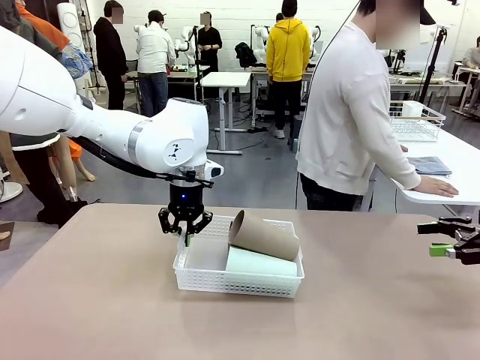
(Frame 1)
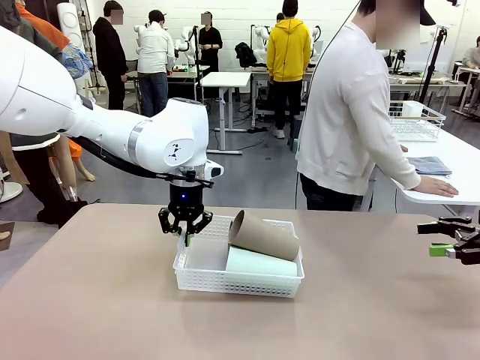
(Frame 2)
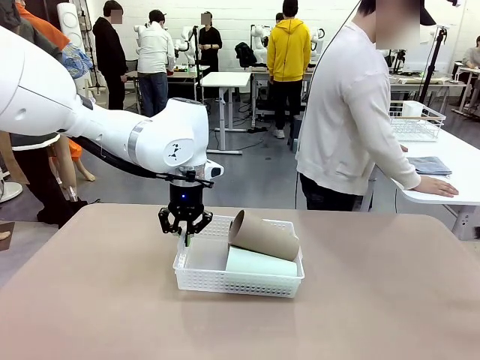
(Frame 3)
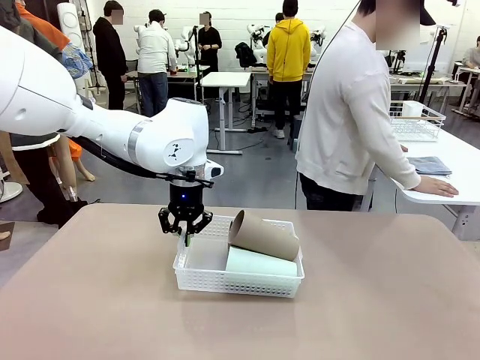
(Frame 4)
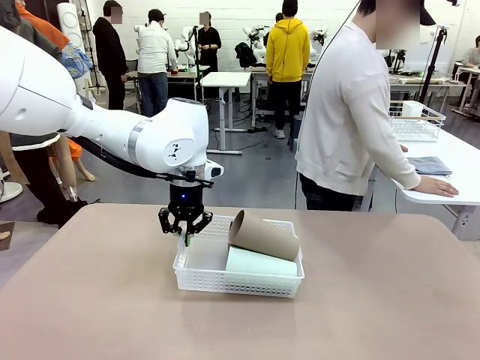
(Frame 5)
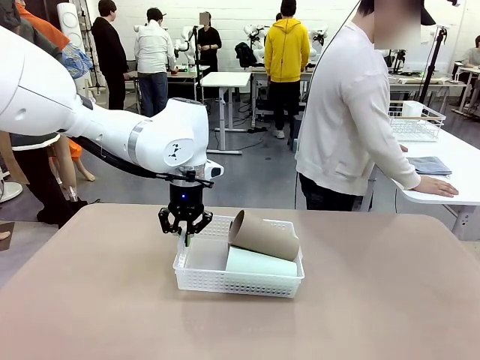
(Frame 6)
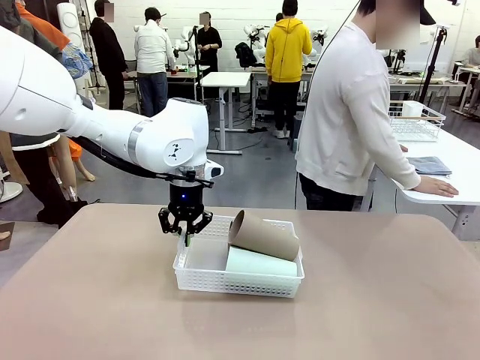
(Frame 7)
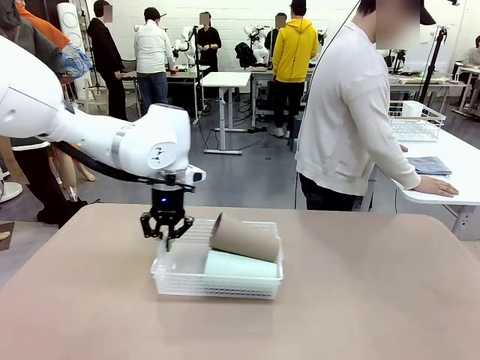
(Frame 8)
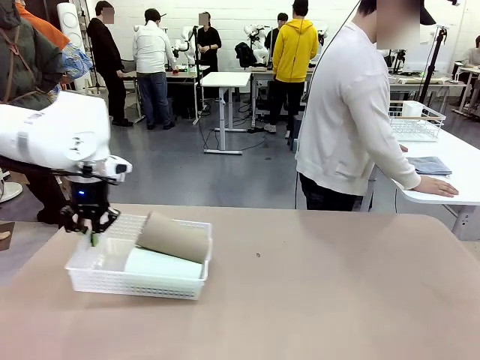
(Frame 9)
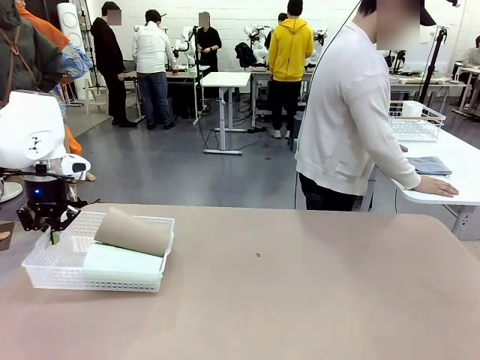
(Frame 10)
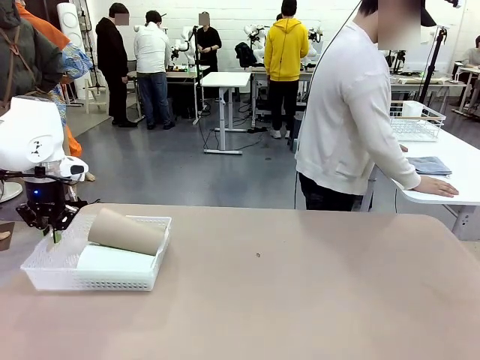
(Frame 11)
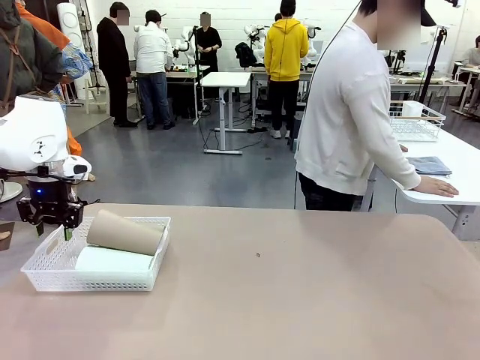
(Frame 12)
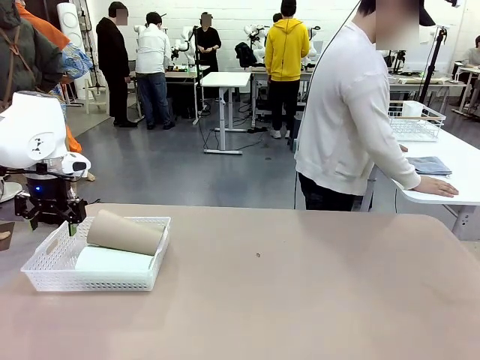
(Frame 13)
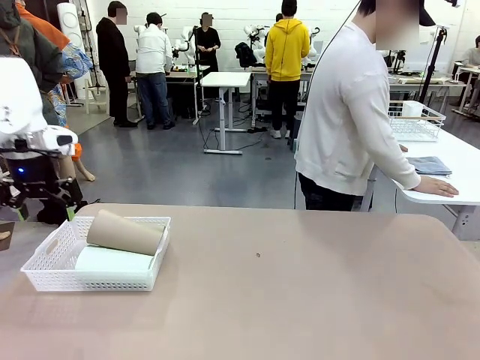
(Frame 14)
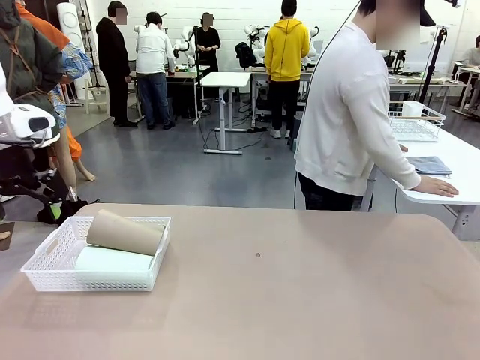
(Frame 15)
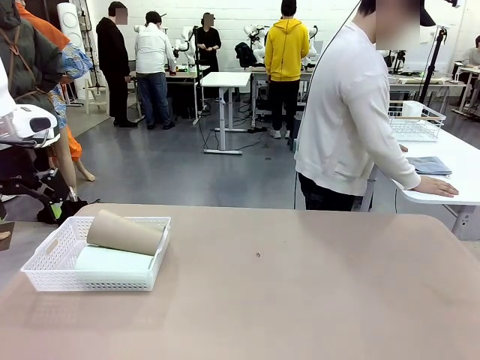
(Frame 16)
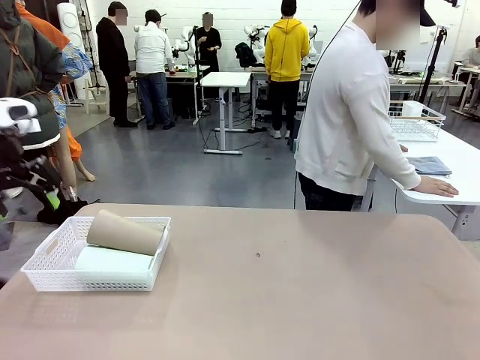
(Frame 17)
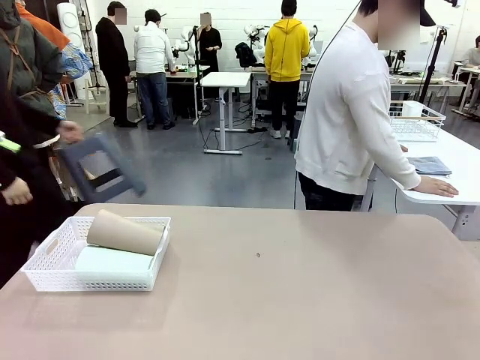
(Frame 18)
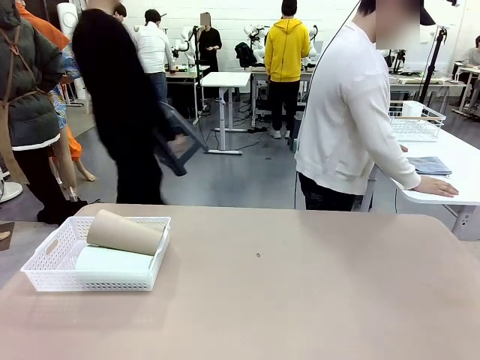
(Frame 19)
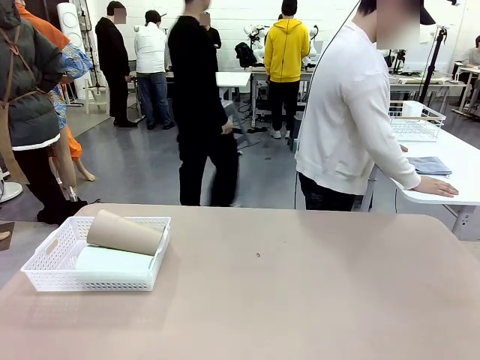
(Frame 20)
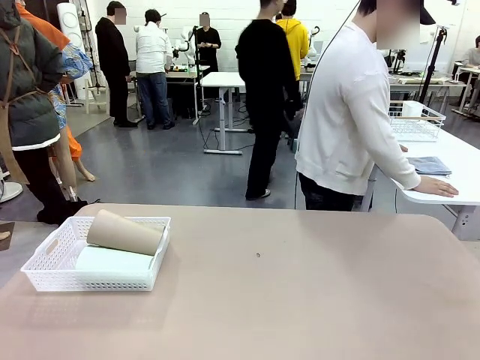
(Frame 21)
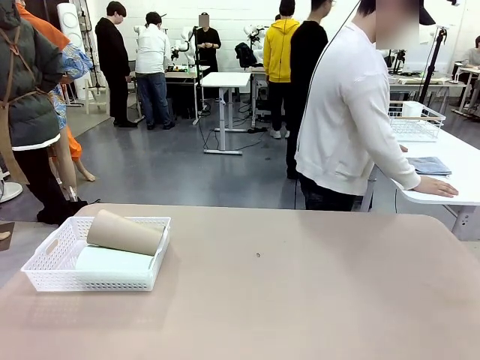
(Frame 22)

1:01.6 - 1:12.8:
Task: Clean and organize the cups into the basket.
Robot: Move the Organizing basket back to the left side of the table.
Person: Folds the towel in half twice and places it in the right of the table.

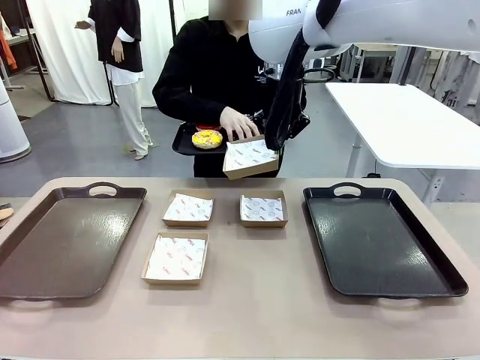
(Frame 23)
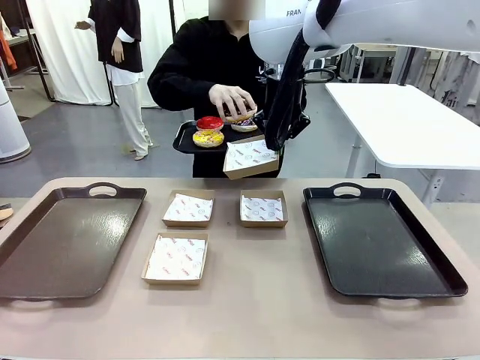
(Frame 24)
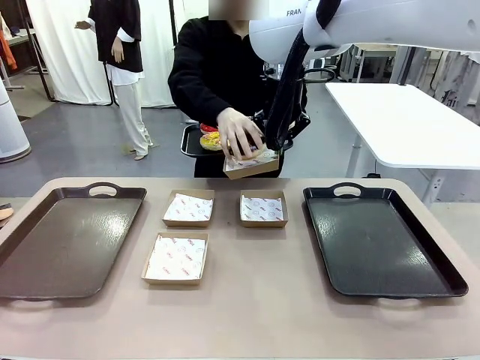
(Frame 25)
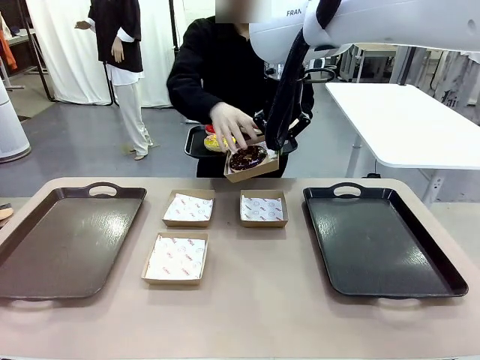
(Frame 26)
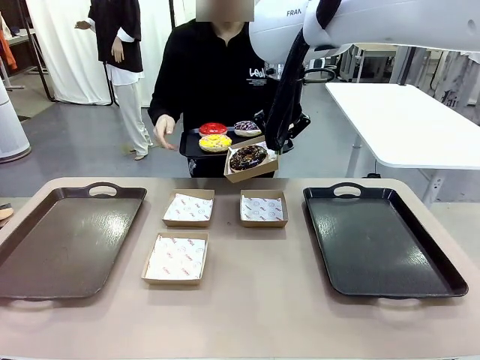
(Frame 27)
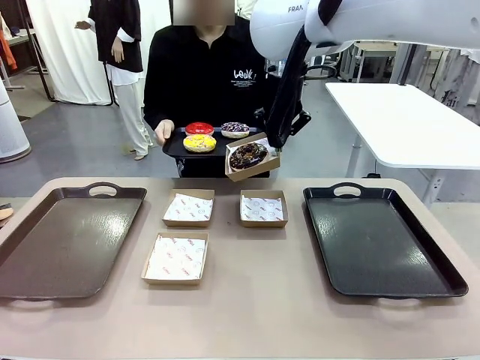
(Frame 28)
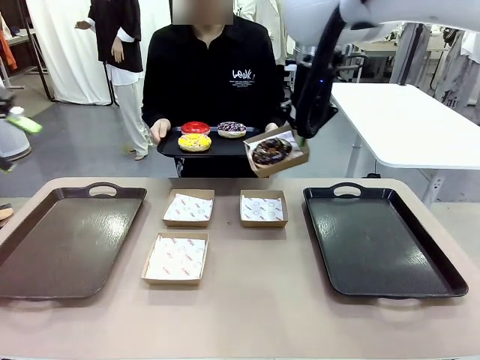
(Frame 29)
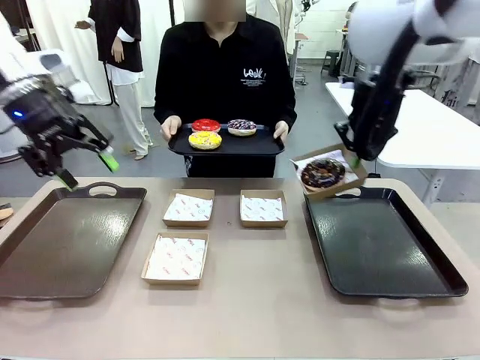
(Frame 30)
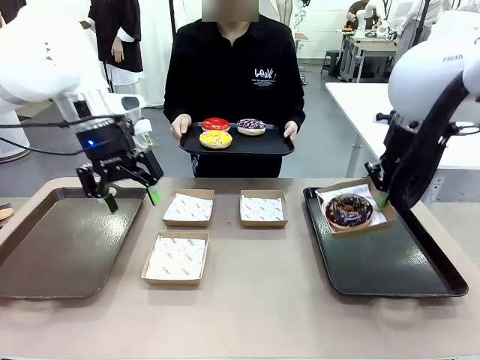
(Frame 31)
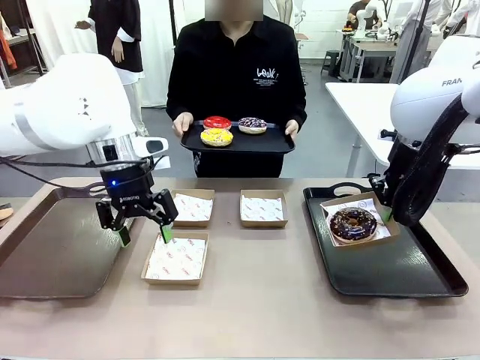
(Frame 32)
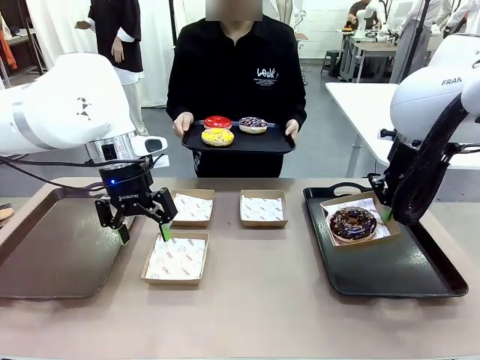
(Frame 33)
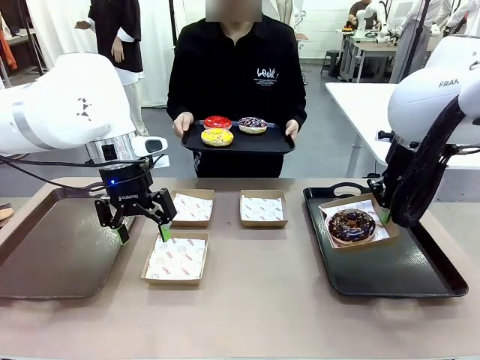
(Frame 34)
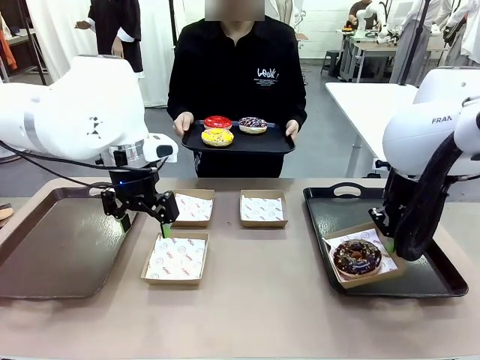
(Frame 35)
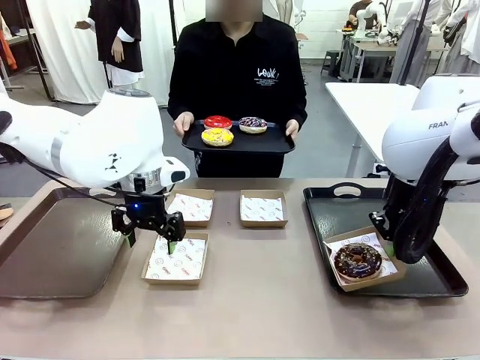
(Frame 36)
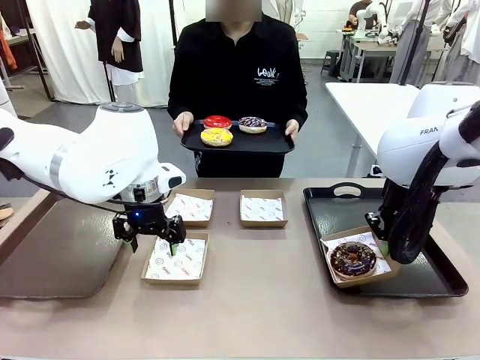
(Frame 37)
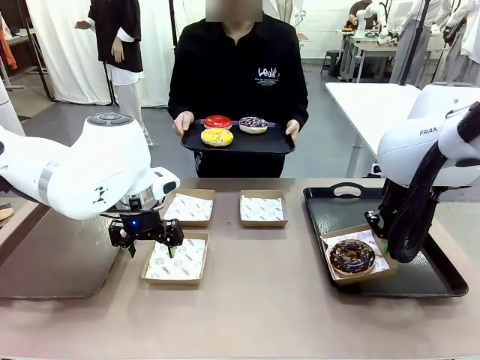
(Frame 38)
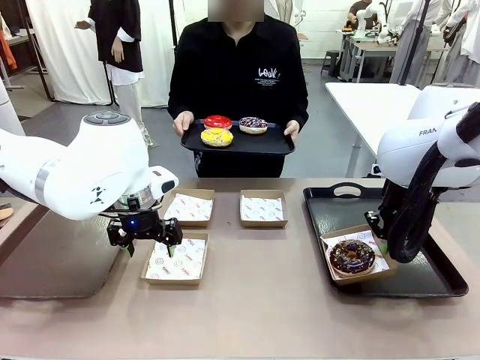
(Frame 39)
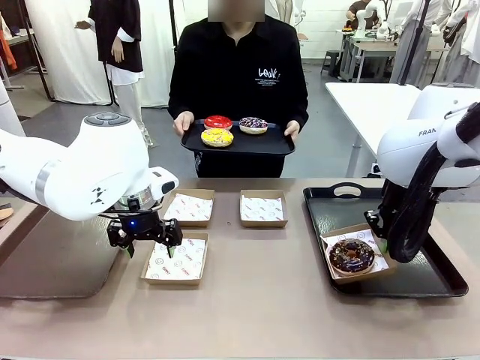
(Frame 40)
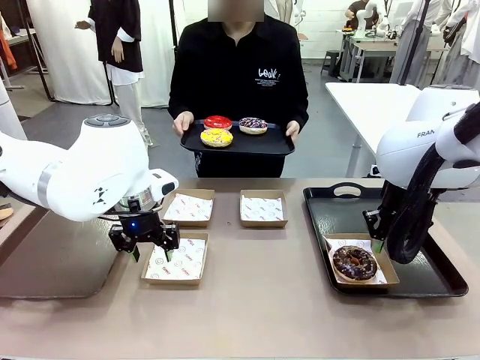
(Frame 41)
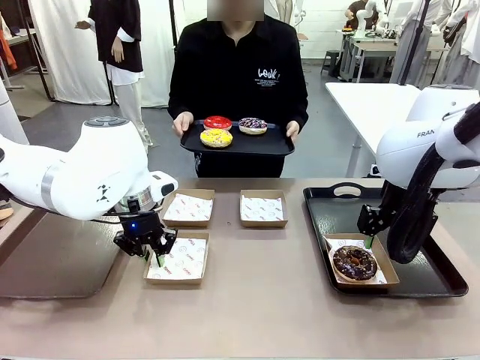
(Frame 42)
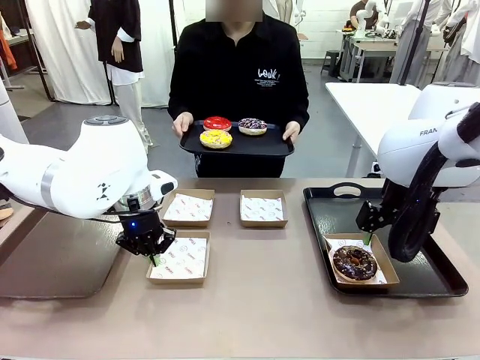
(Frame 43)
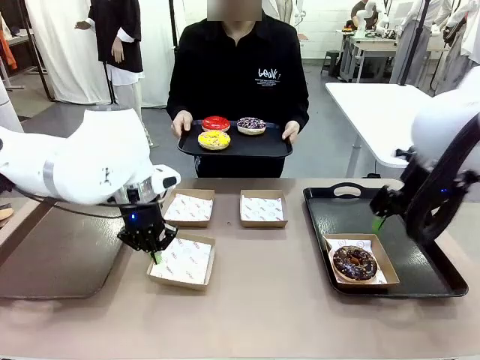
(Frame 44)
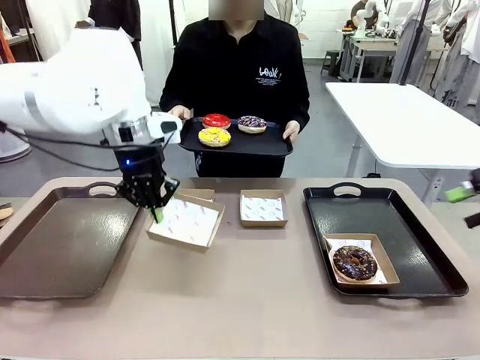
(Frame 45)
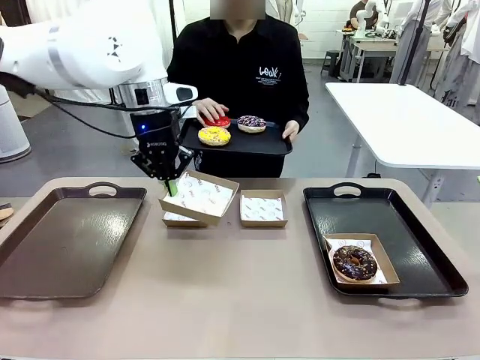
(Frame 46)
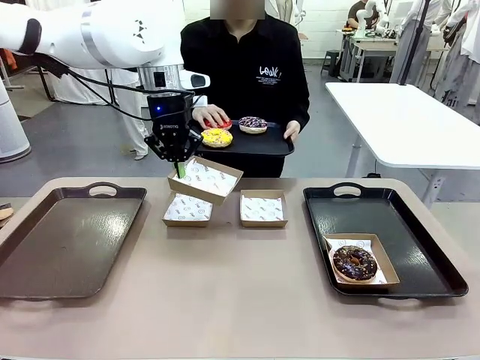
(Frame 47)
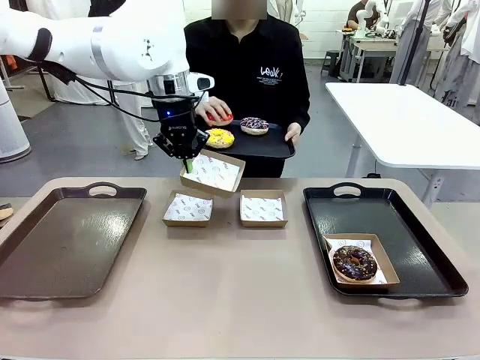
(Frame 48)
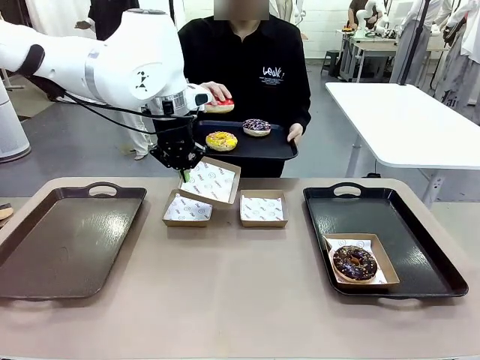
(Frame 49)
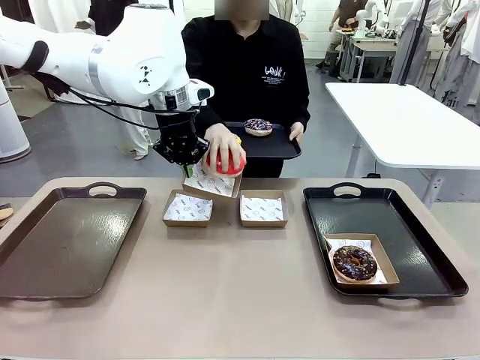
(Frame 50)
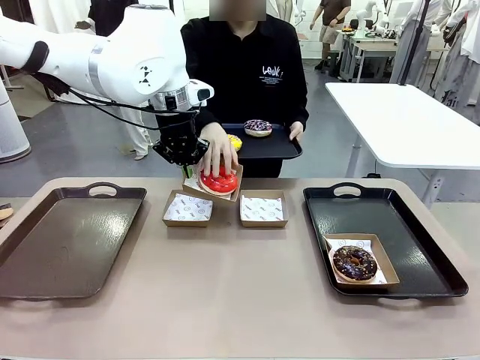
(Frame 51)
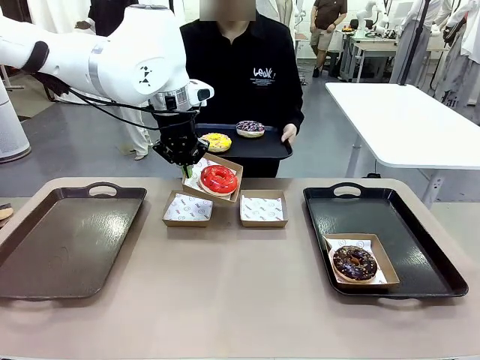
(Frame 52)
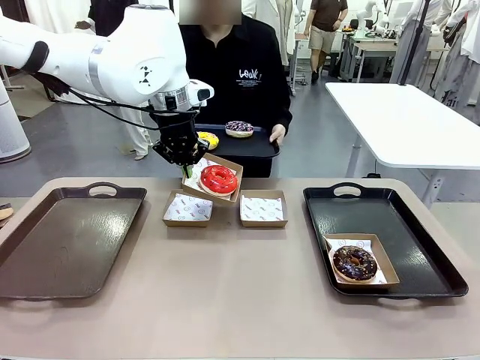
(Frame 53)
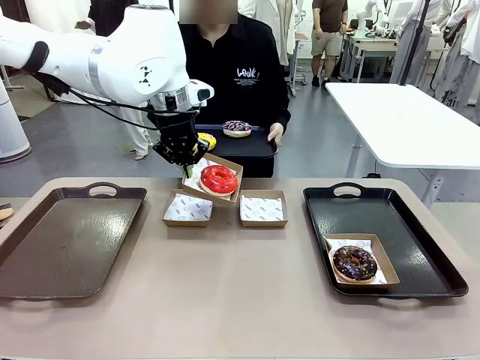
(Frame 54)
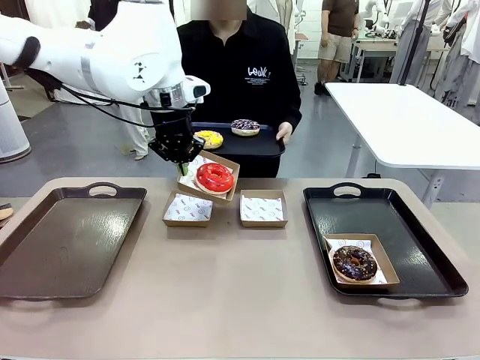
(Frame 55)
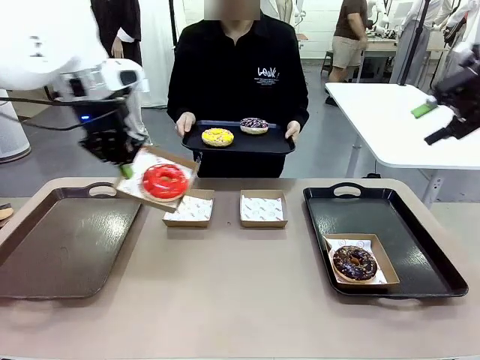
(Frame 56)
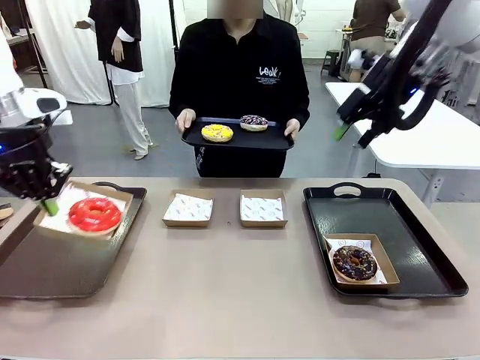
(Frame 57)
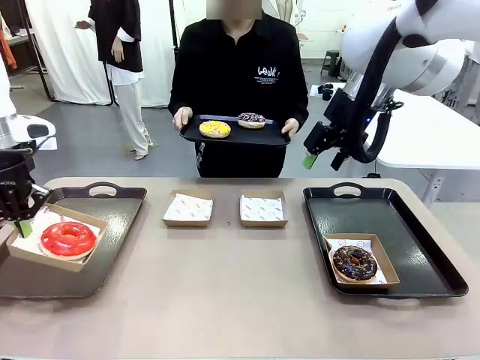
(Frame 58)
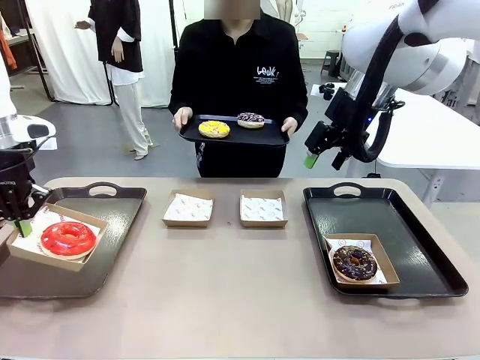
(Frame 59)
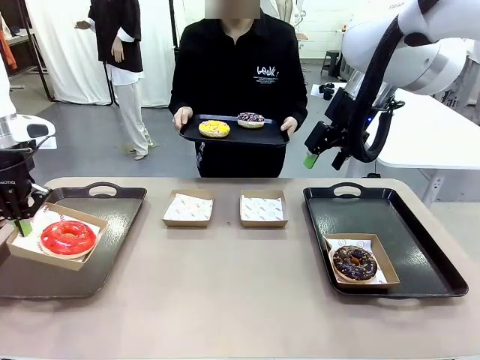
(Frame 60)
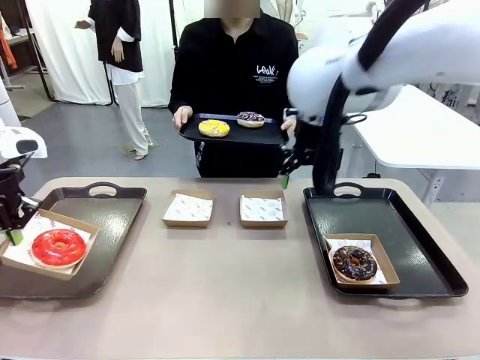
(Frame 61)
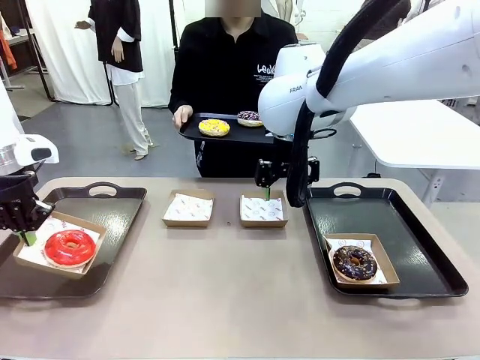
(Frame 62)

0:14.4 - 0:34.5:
Task: Individually package the donuts and arrange them on the tray.
Robot: Place the picked Paper togo box on the Handle tray while simultaneously picking up another Paper togo box from the table with the other hand.
